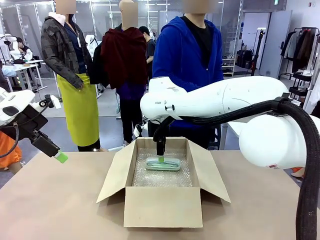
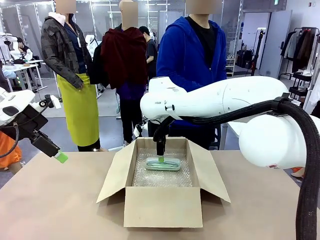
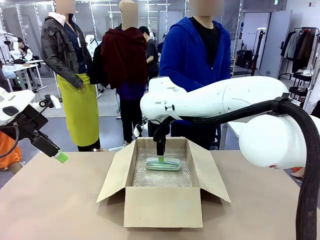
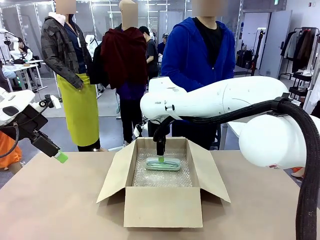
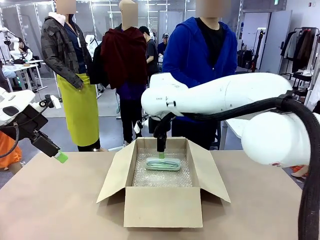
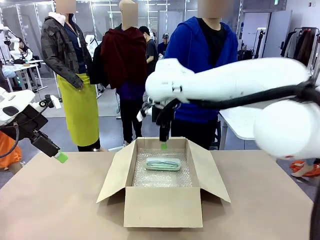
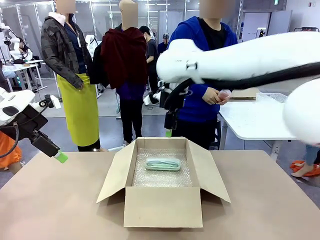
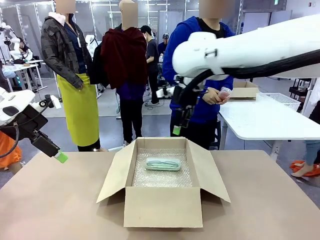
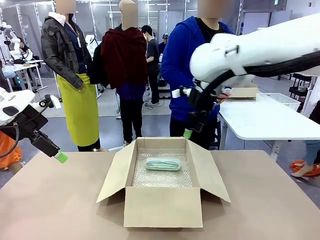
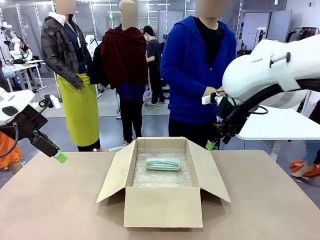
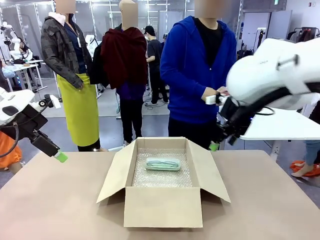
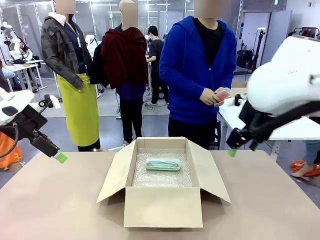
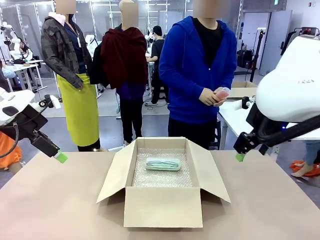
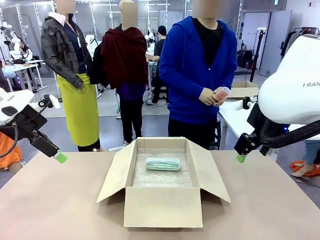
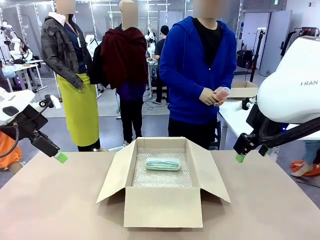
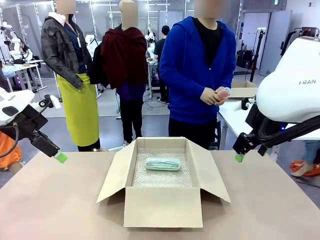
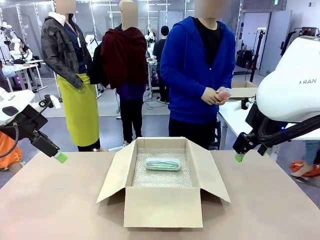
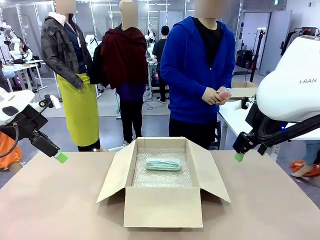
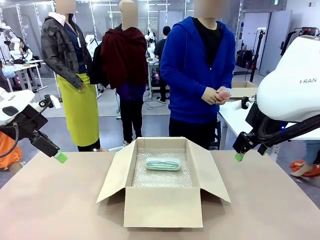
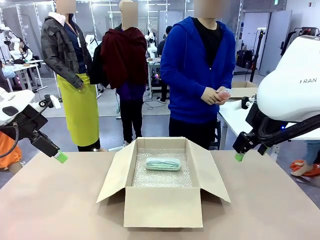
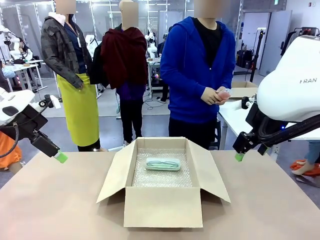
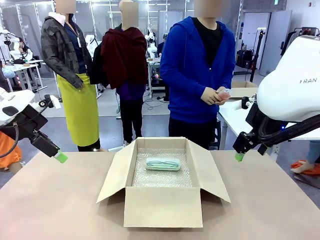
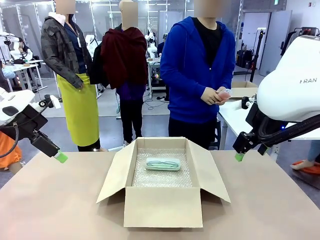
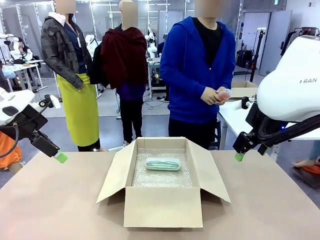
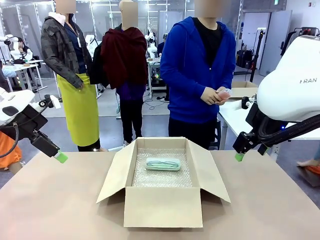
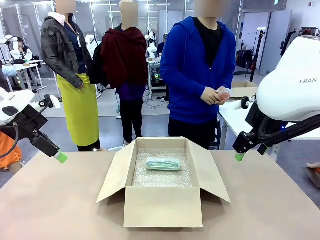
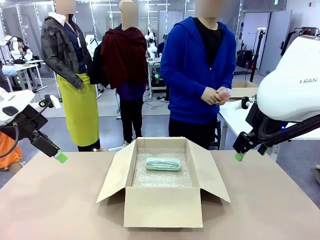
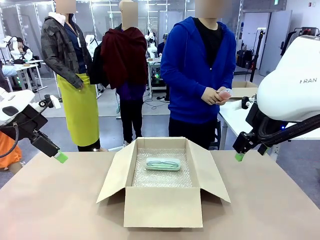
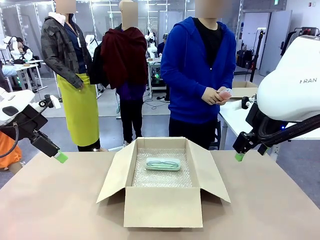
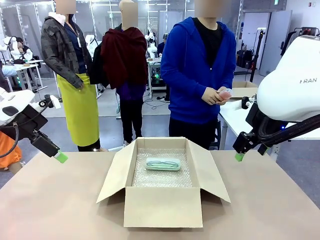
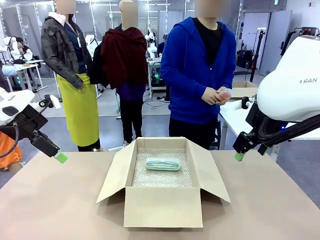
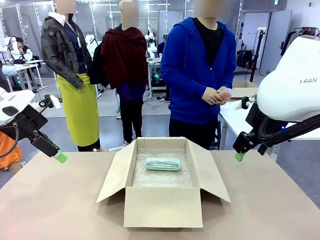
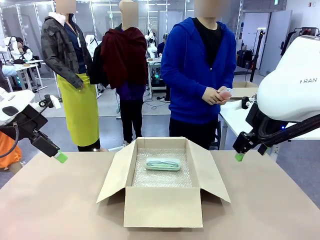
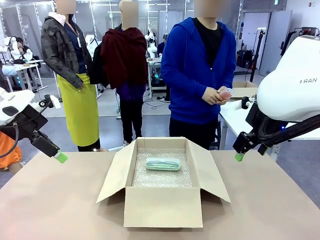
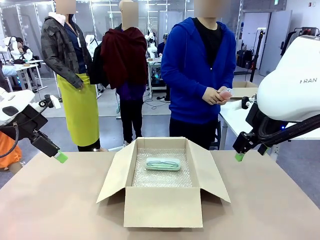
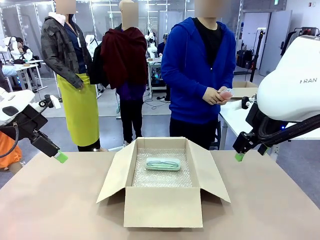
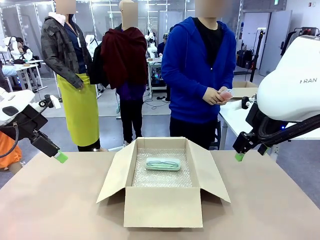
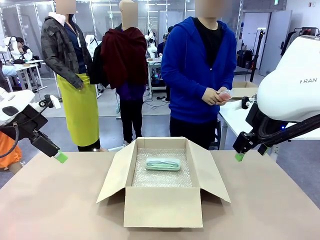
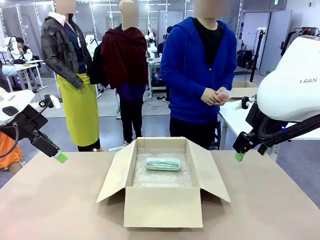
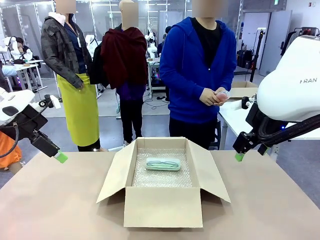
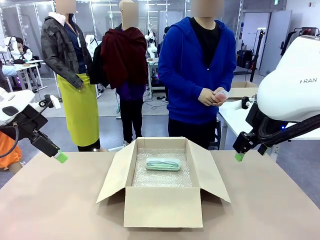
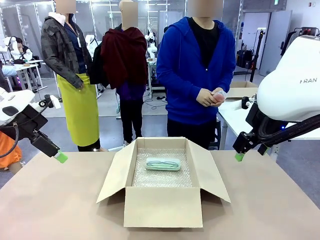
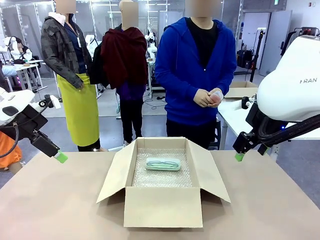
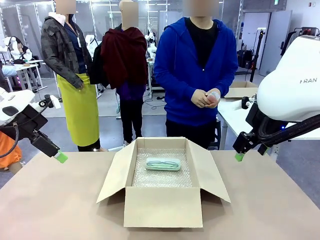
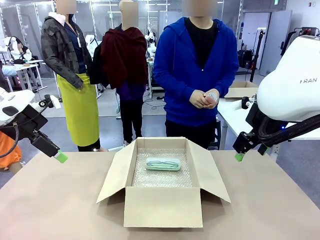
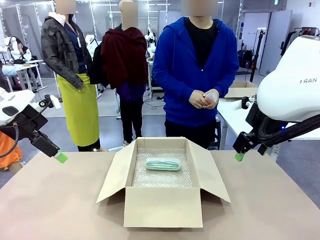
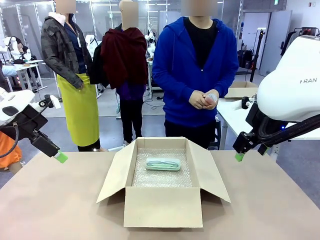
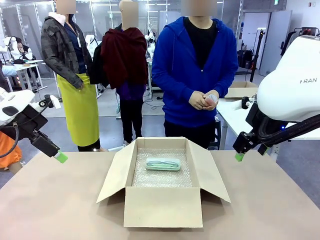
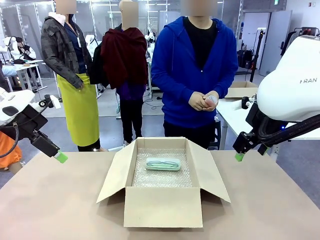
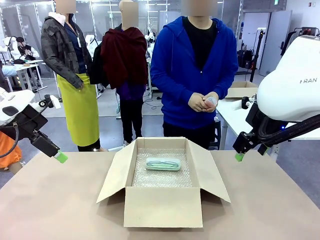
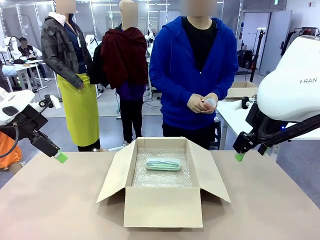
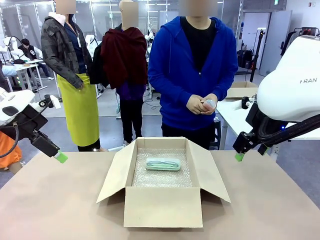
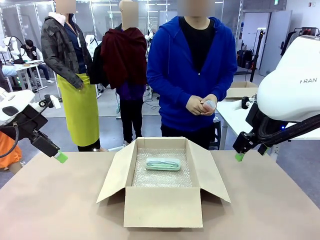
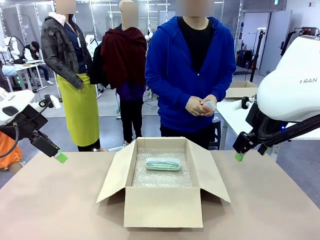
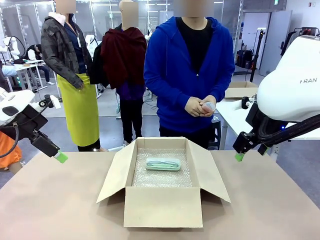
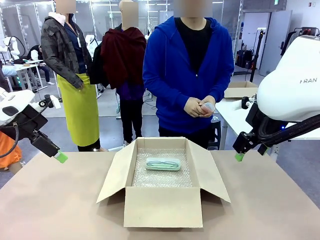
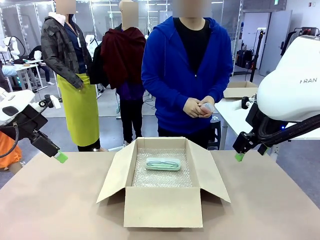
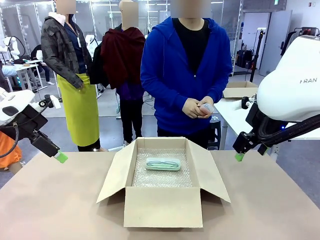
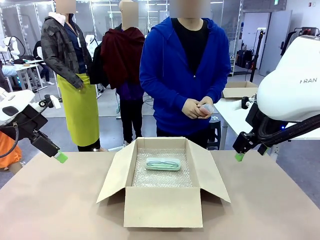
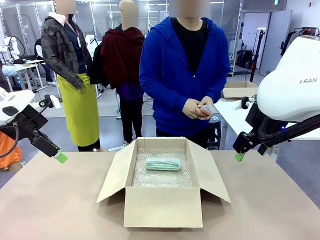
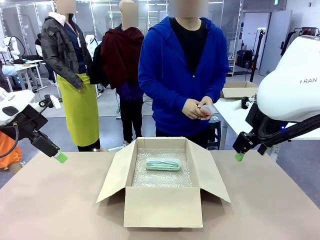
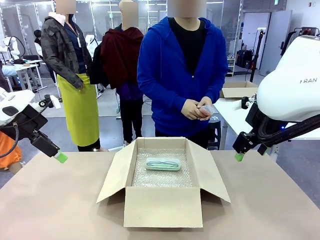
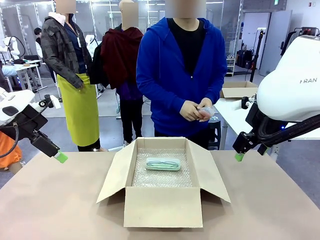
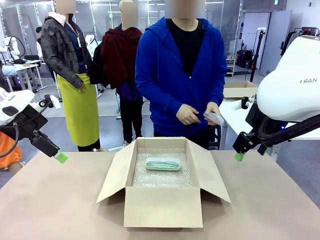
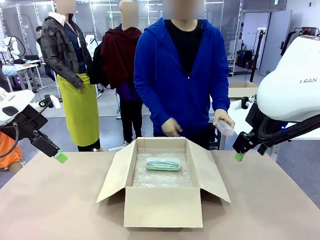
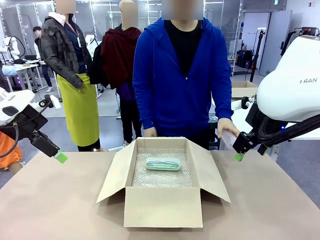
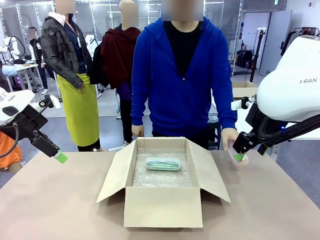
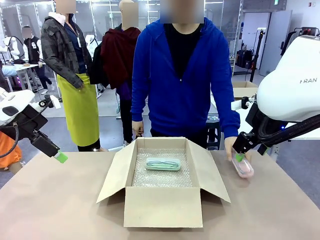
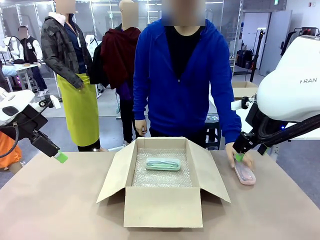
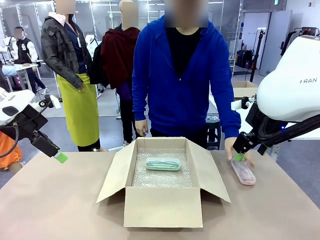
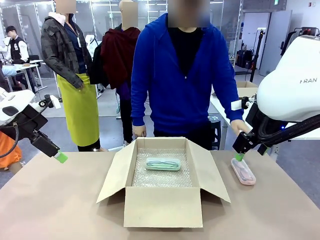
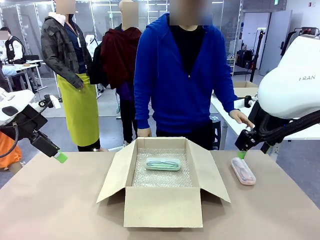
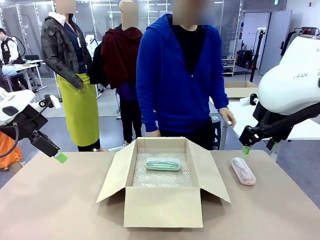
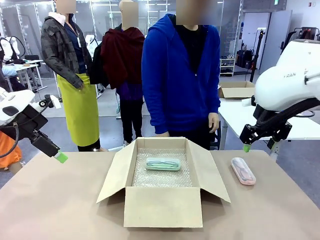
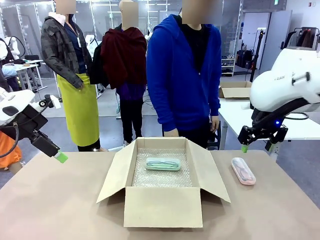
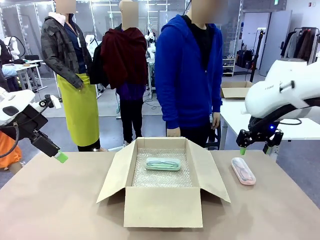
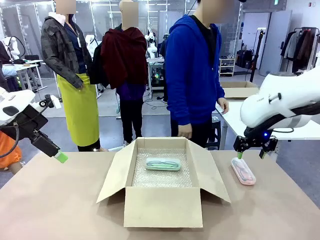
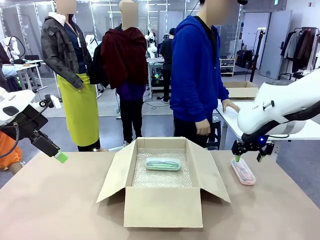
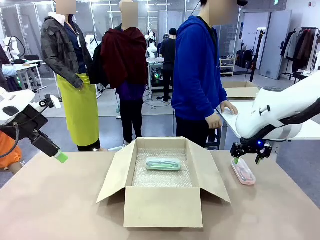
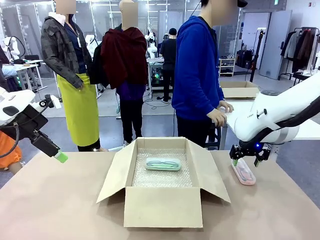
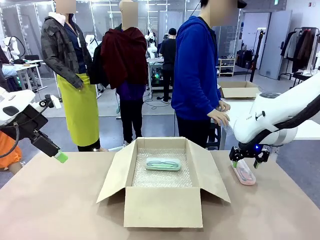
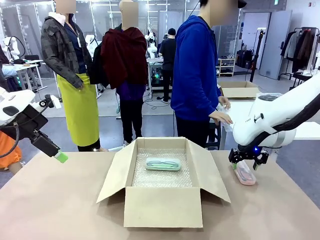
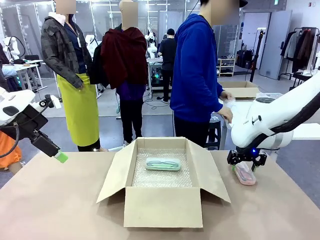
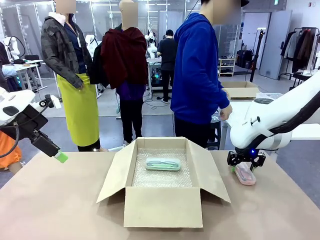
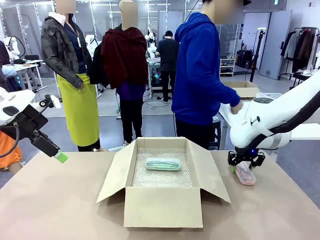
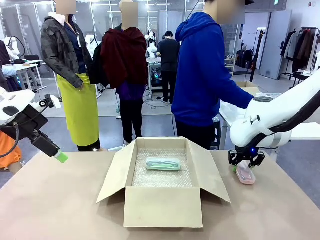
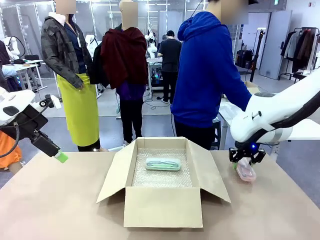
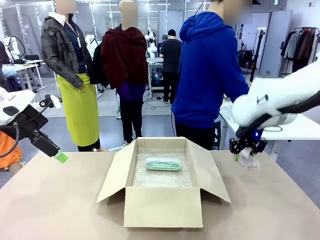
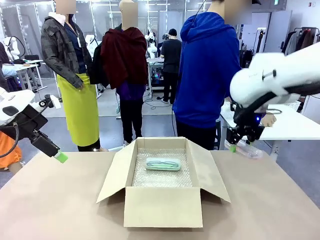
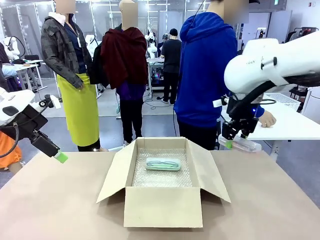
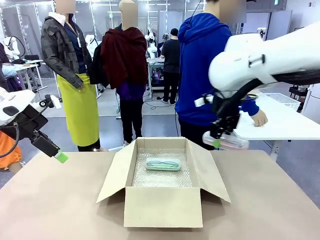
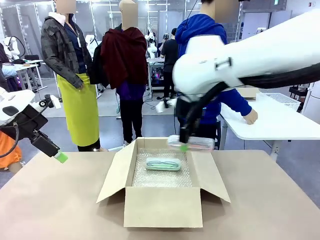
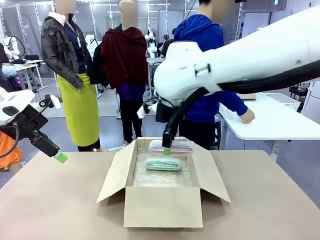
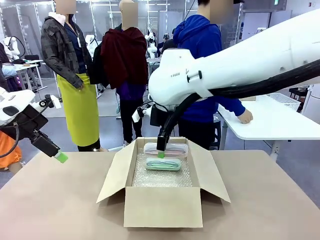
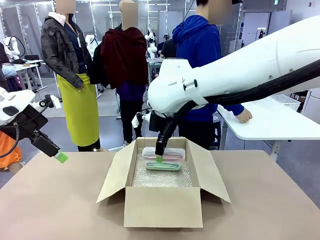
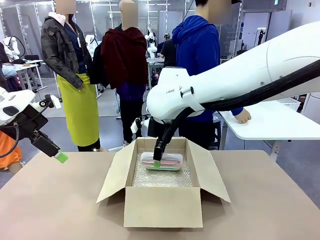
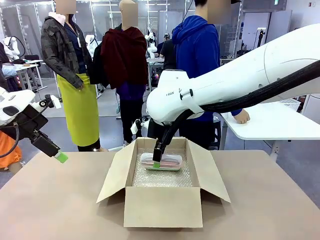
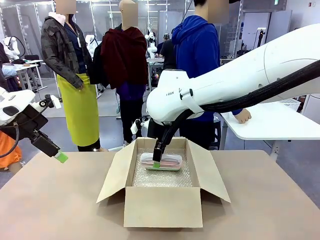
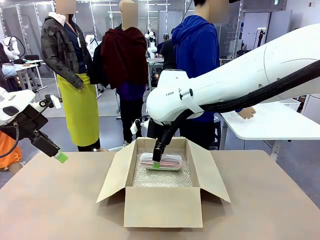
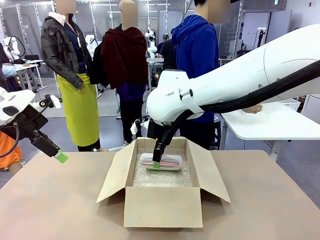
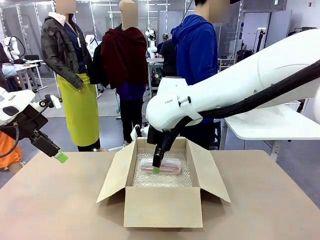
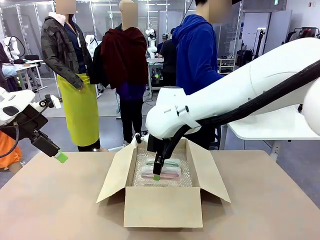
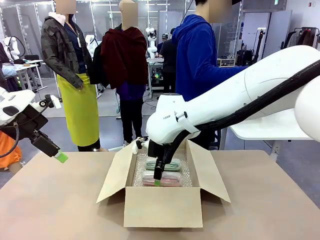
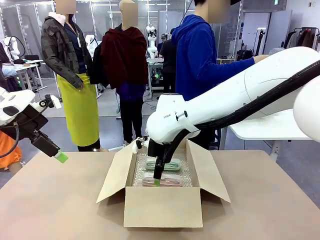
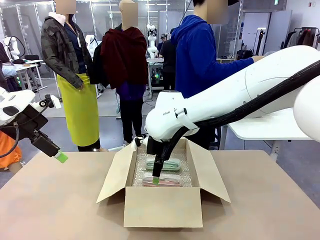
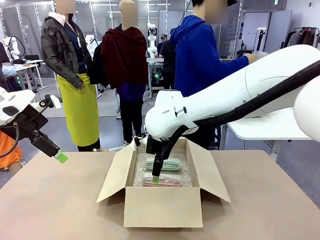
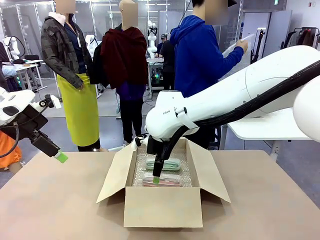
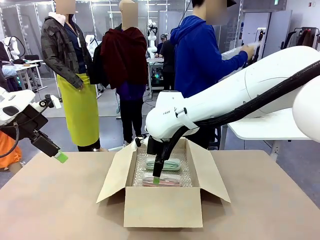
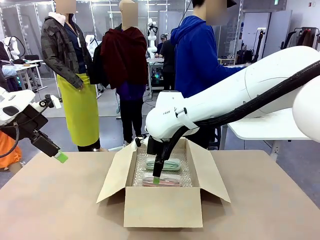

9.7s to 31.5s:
Task: Pack the glasses set securely to prepare it for shipping.
Robot: Put the Glasses case from the right side of the table into the Package Box.
Person: Position the Glasses case on the left side of the robot's table.
